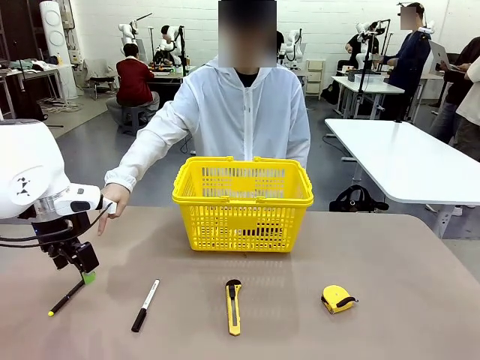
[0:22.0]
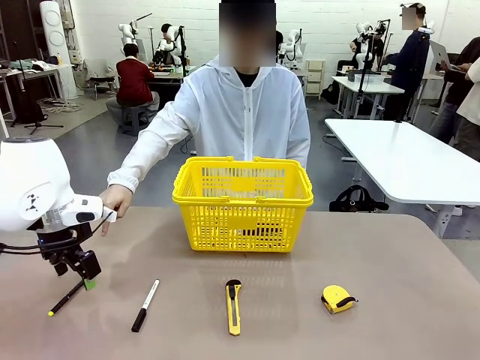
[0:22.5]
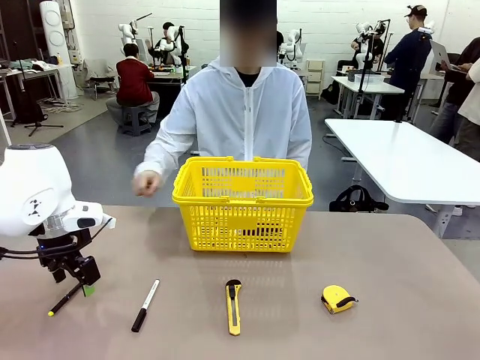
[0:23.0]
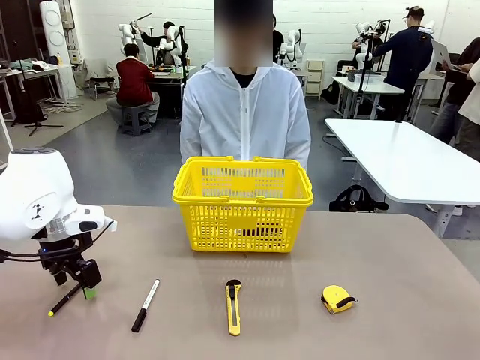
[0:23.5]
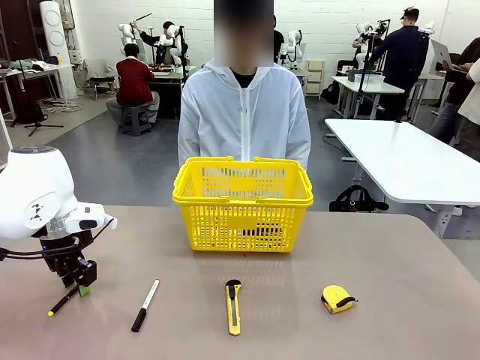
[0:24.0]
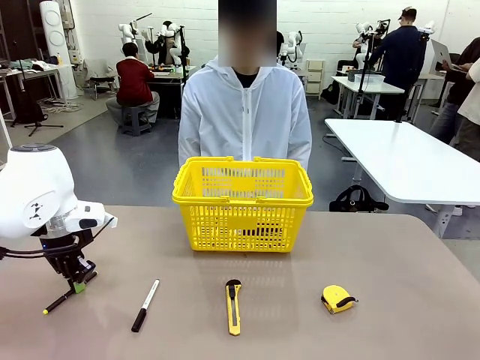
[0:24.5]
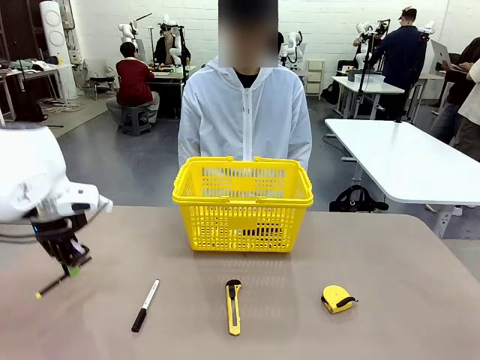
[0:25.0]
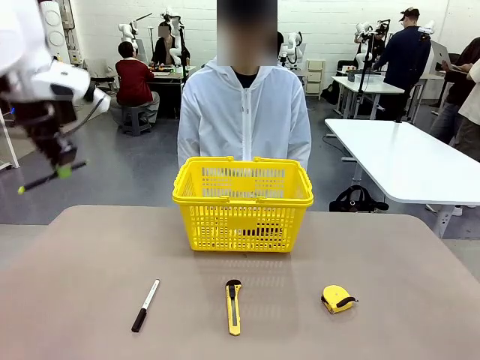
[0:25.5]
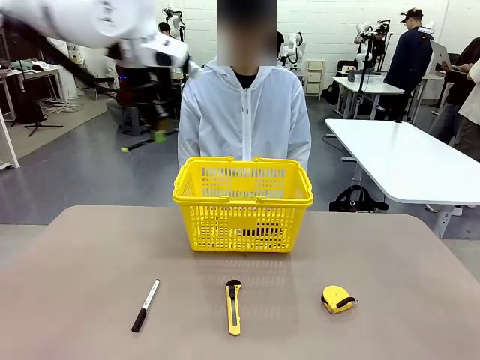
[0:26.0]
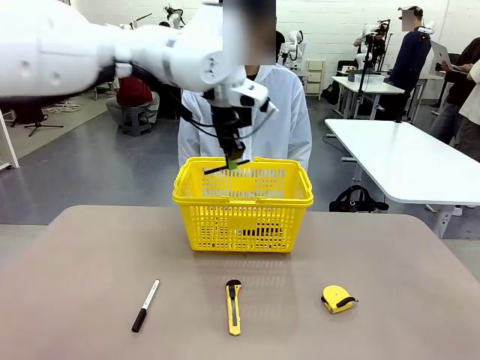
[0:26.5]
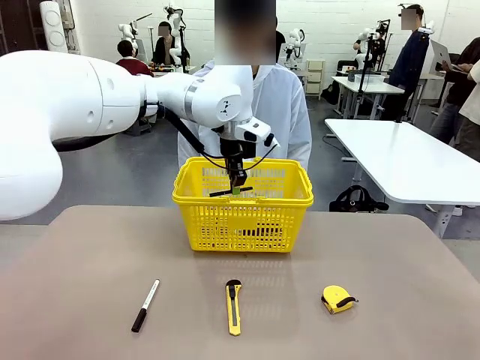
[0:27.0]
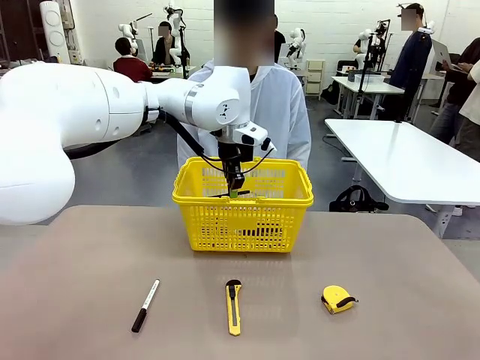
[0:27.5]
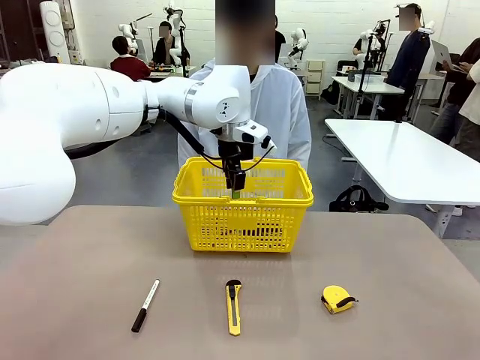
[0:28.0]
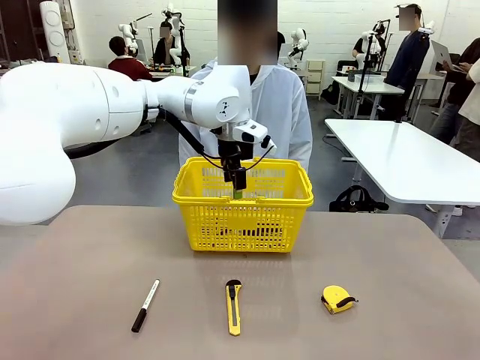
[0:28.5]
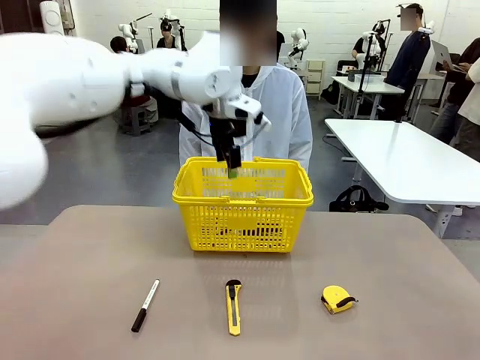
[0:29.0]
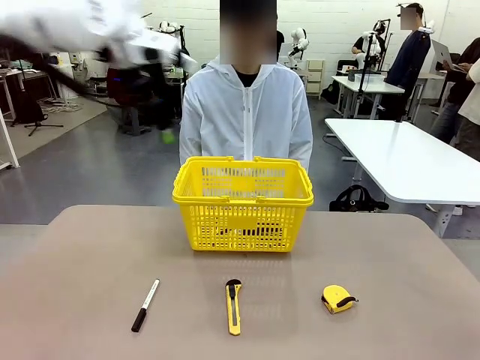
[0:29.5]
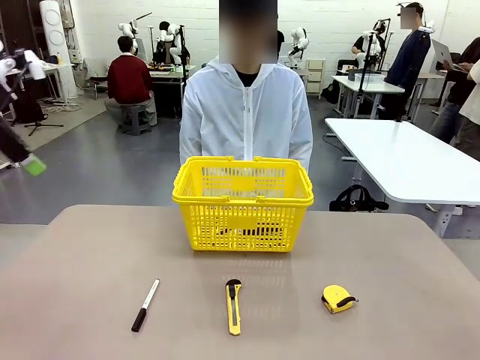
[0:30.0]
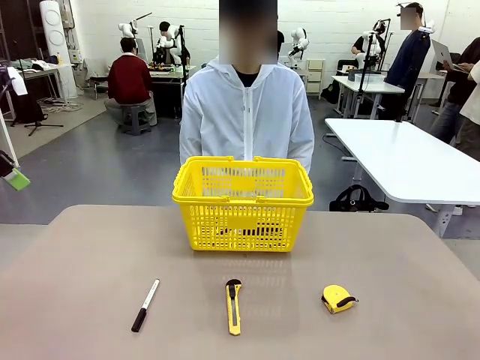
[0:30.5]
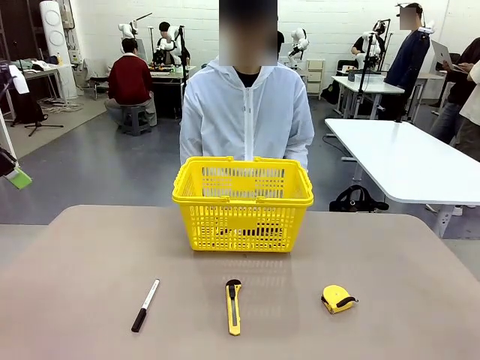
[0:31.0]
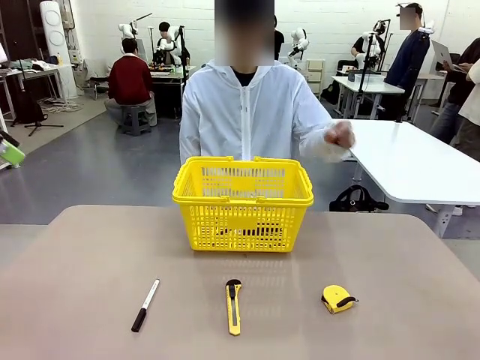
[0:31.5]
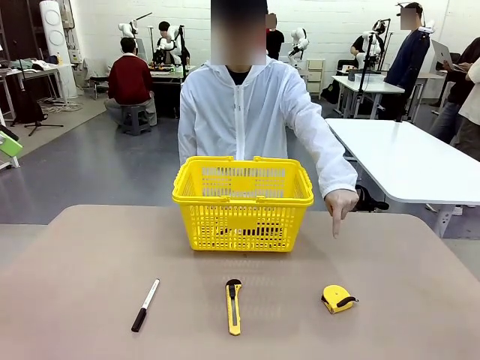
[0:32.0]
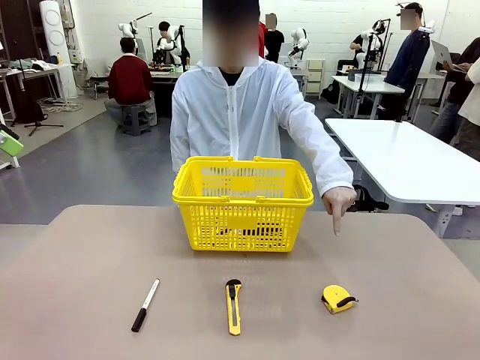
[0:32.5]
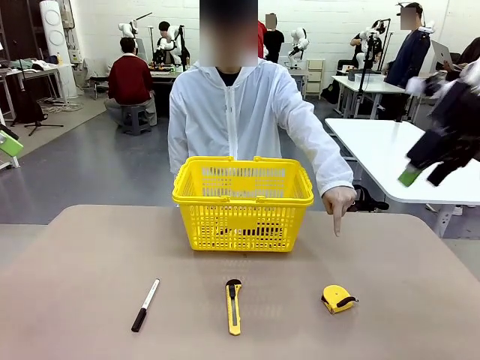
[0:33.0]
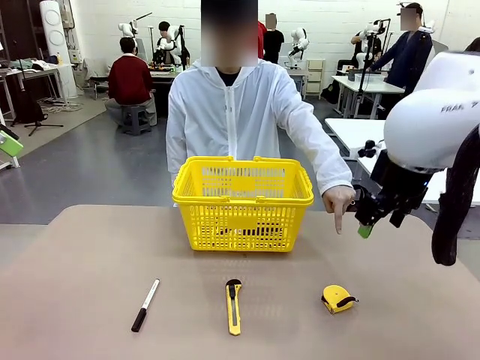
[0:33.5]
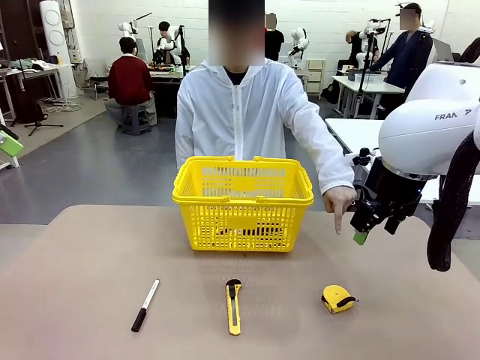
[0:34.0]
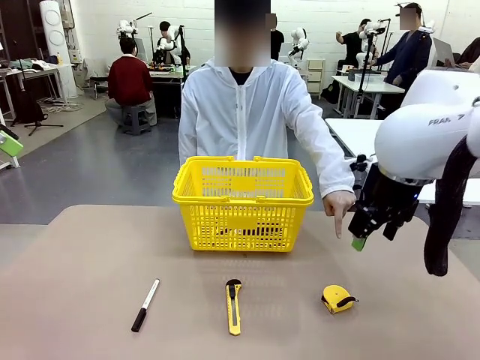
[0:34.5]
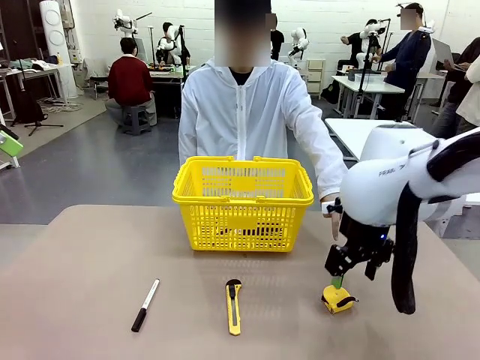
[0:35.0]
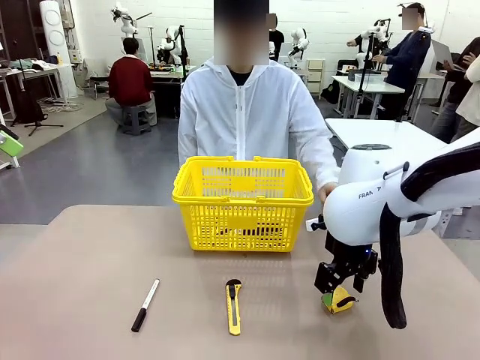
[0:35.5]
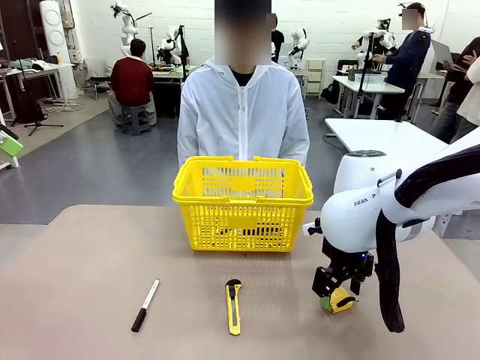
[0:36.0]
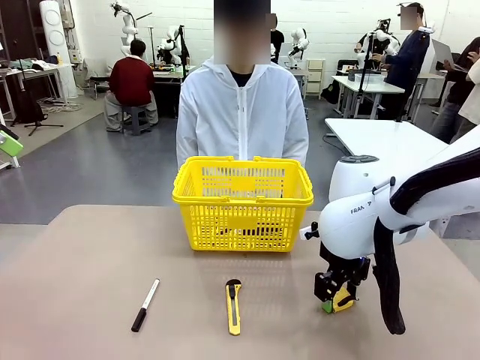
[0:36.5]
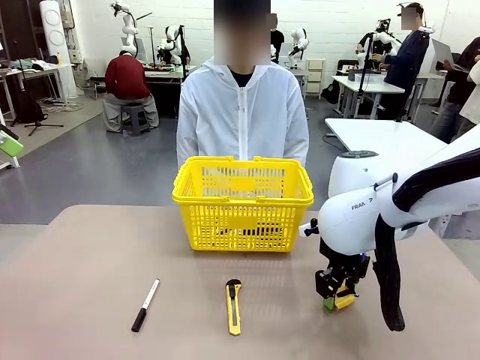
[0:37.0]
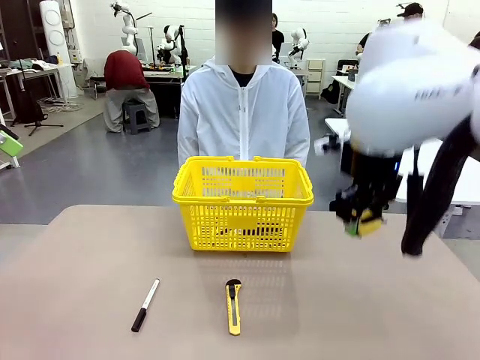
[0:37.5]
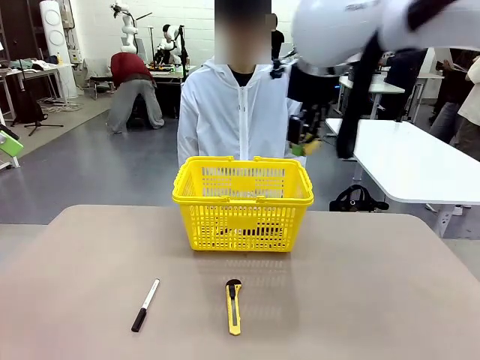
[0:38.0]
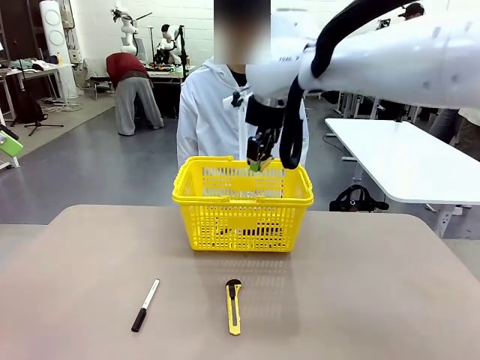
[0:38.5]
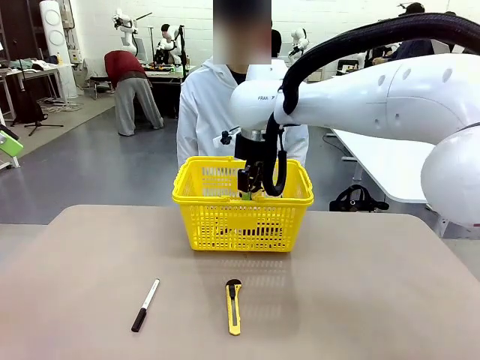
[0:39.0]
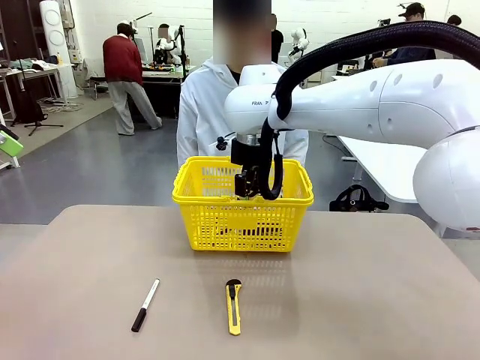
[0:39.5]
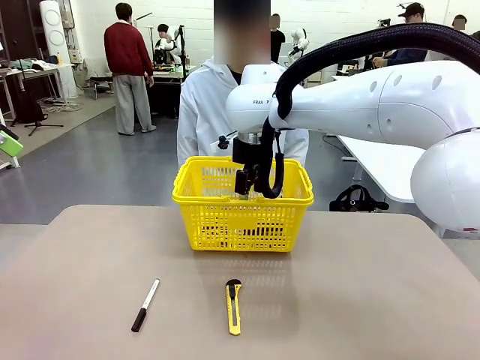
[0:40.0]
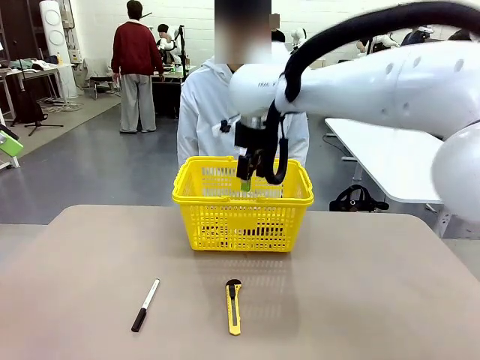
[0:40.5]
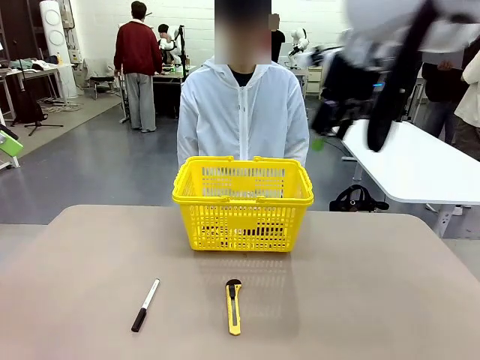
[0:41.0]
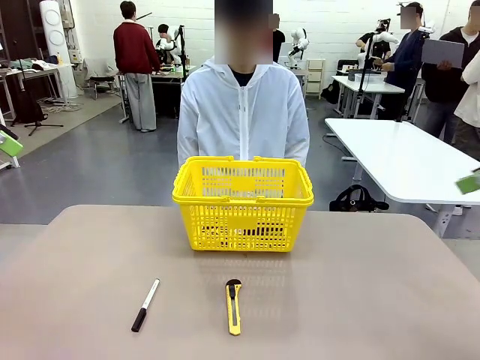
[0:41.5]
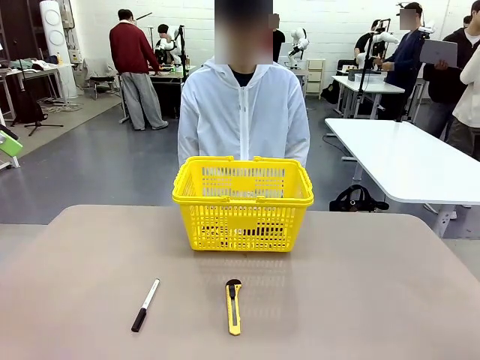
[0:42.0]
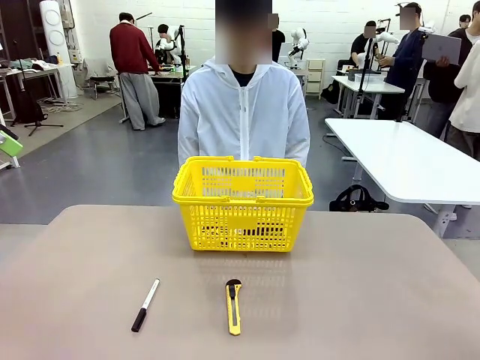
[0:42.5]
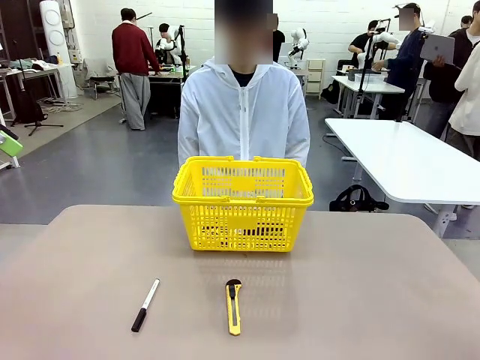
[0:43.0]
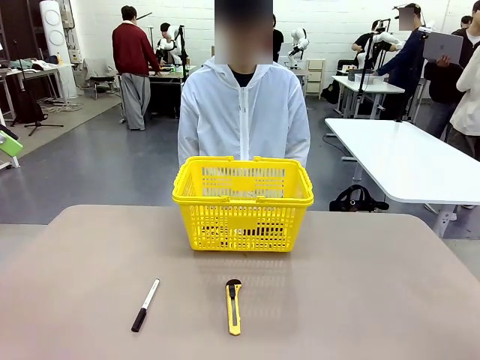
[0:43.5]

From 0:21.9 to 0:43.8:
Task: Place the items the person wants into the basket.
Robot: Pick up the item the person points to and place it in the Market Basket.

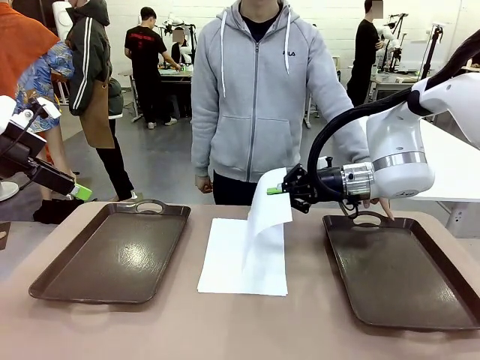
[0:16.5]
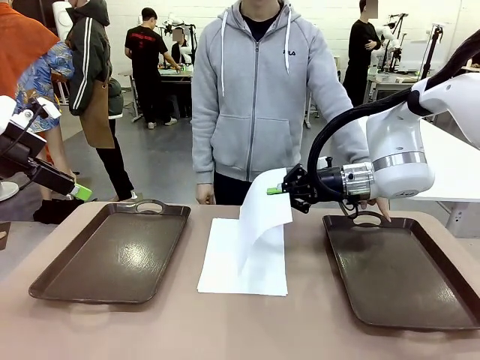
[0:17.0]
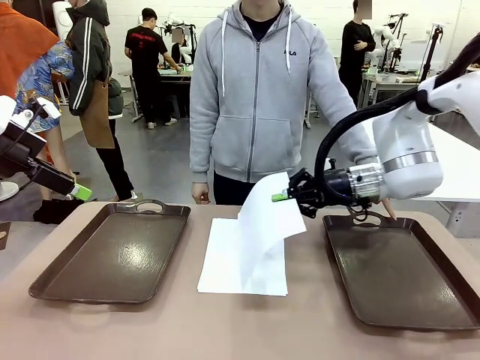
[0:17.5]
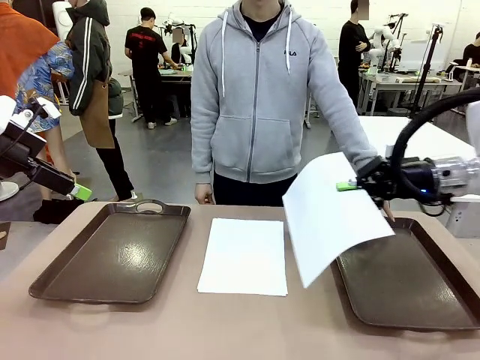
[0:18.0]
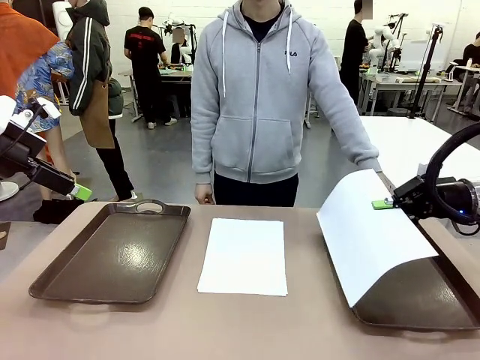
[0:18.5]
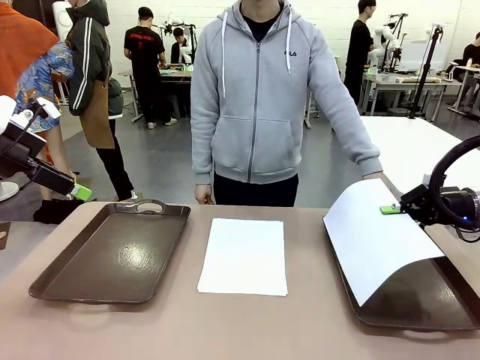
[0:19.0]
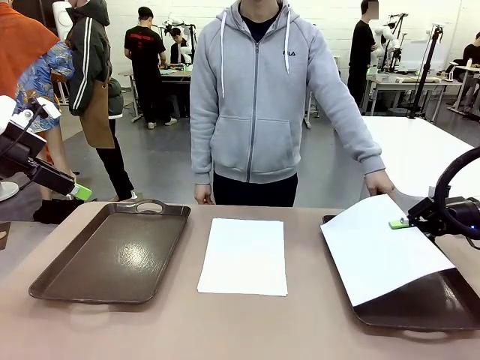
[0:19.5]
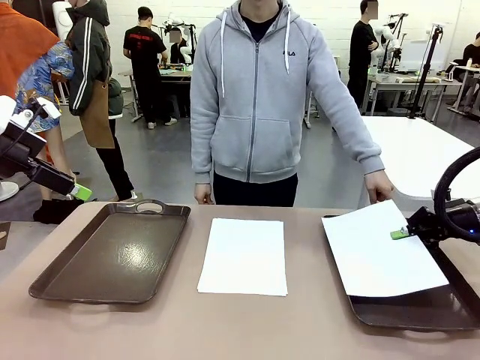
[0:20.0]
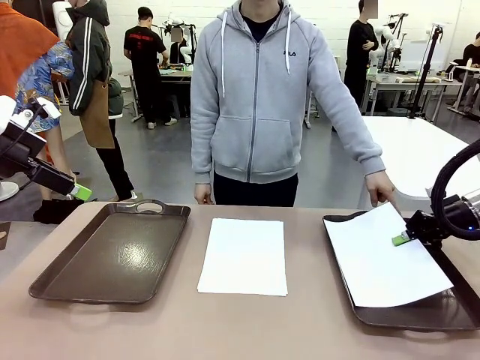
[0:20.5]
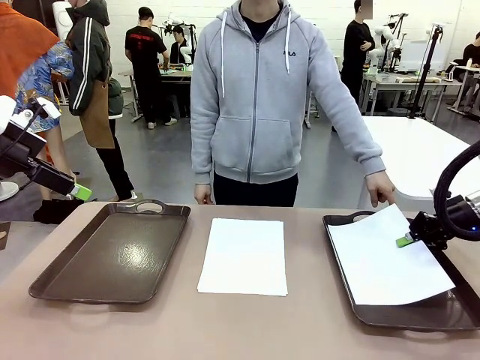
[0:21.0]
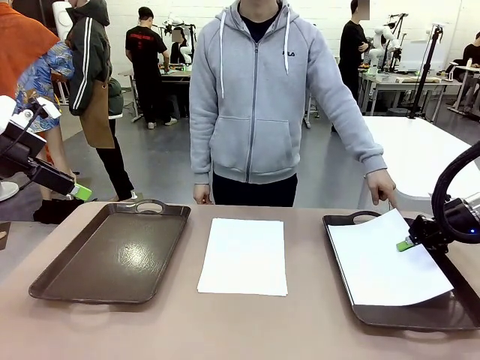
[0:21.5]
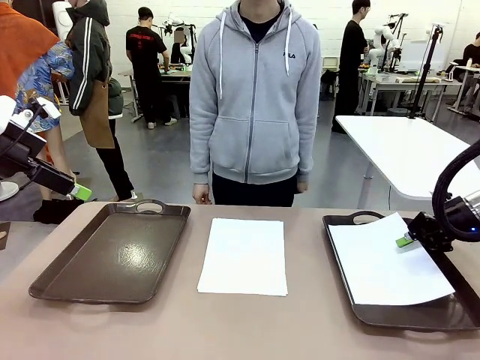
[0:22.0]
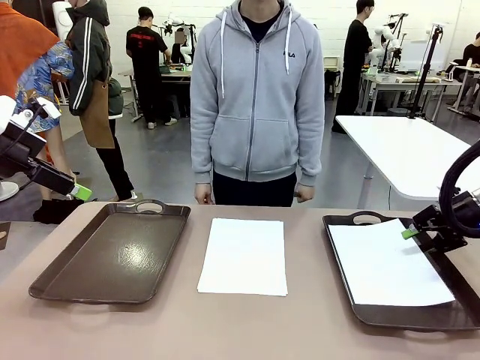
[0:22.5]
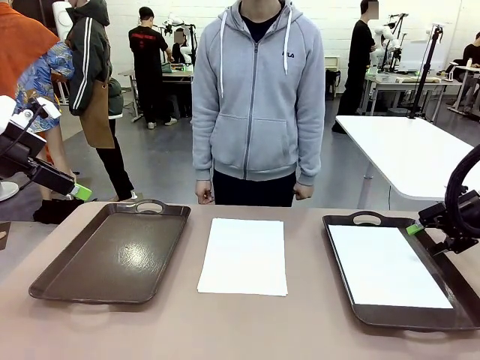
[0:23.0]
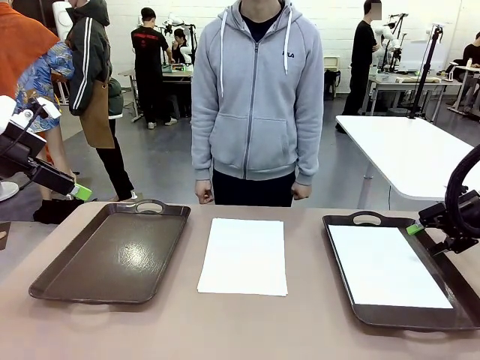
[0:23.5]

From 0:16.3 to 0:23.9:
Task: Sort the A4 documents.
Robot: Place the A4 Paper in the designated Handle tray.
